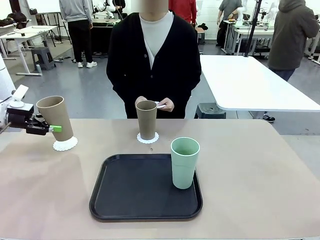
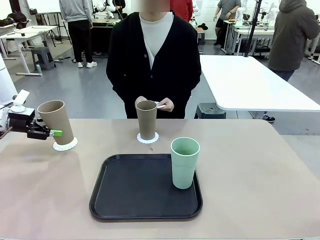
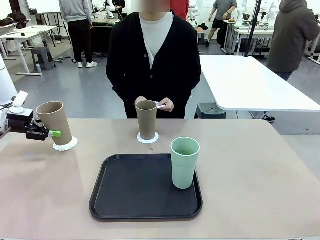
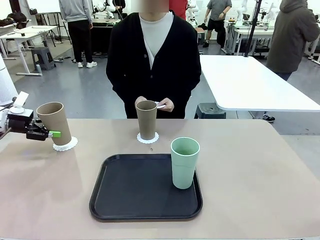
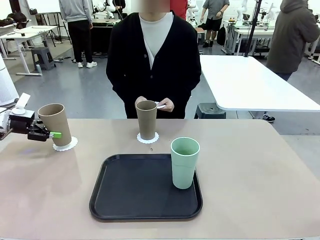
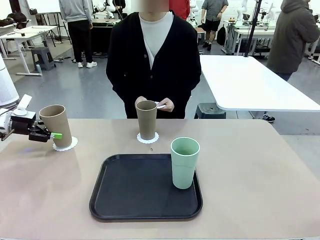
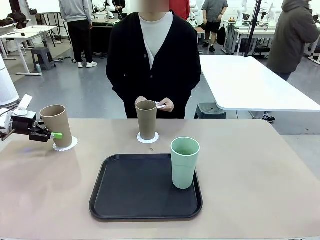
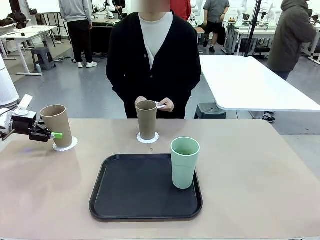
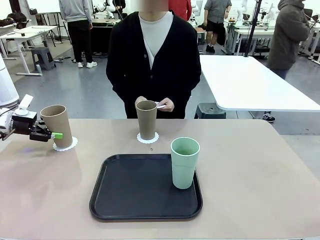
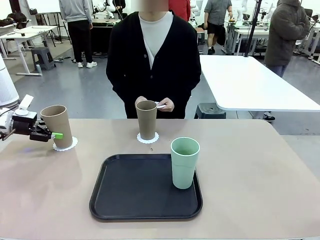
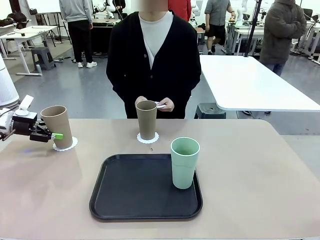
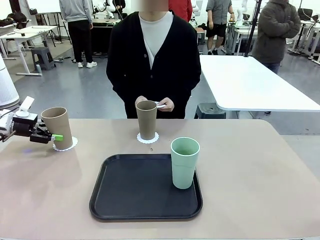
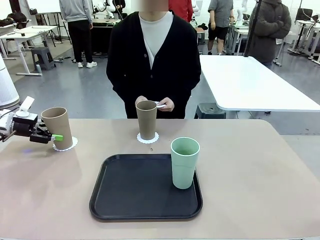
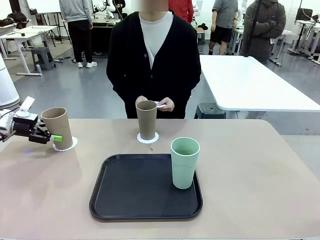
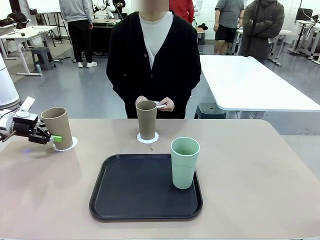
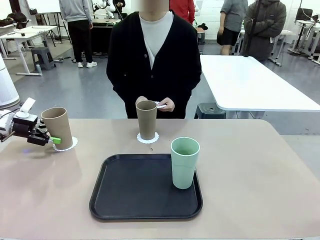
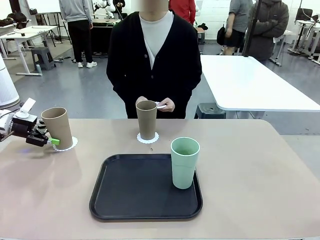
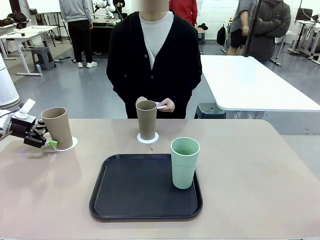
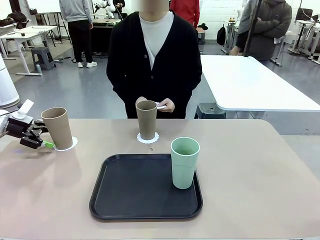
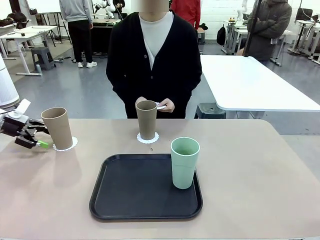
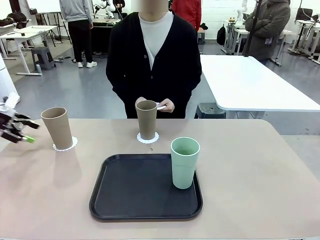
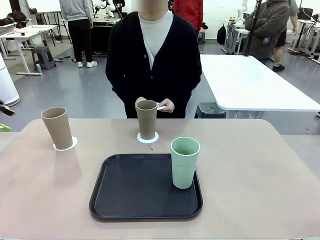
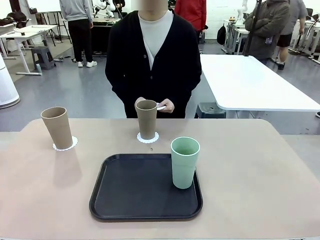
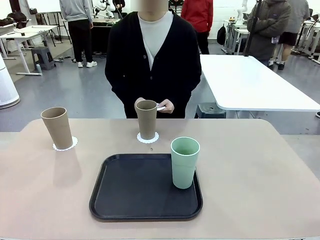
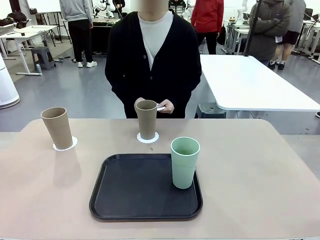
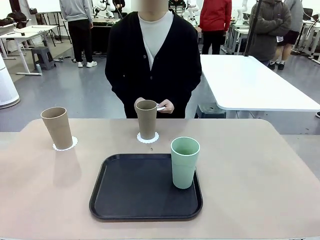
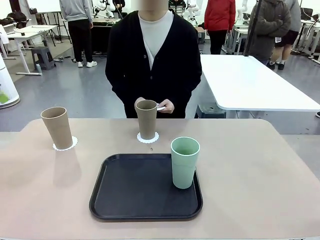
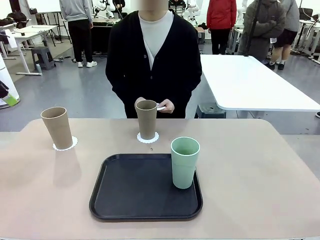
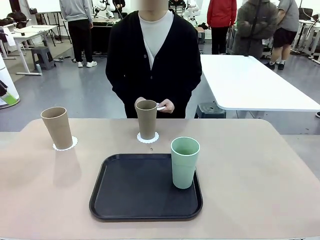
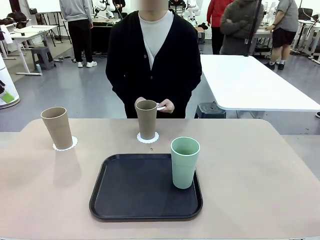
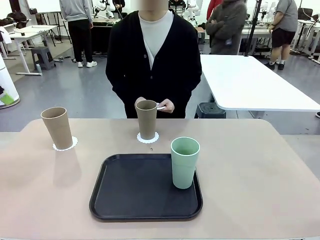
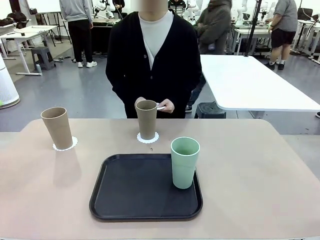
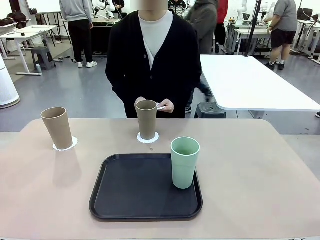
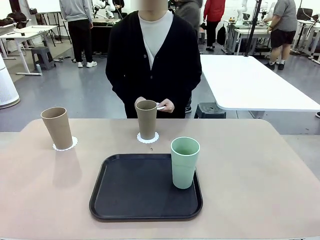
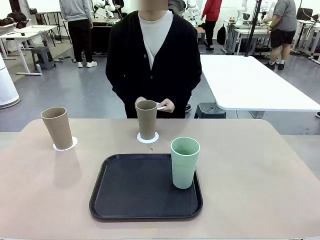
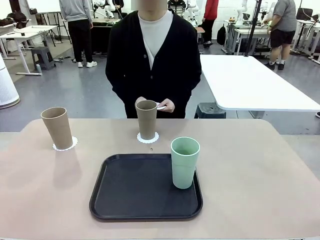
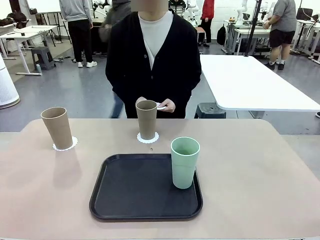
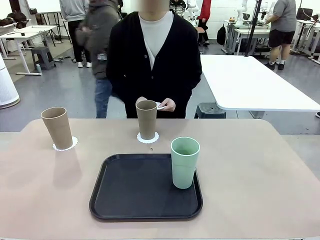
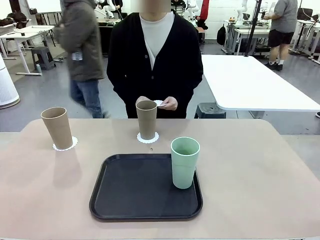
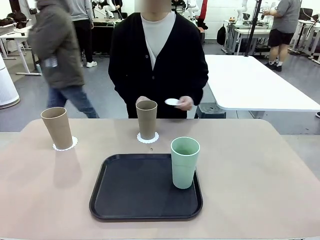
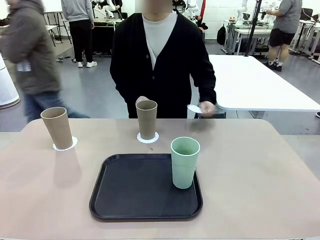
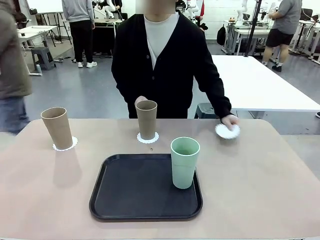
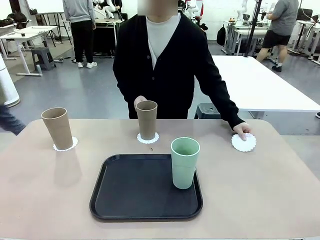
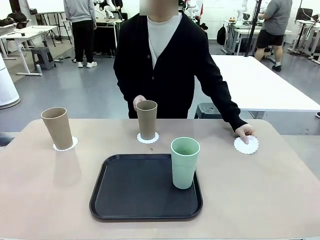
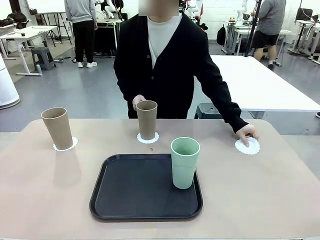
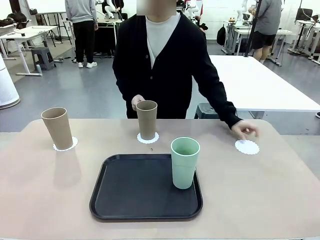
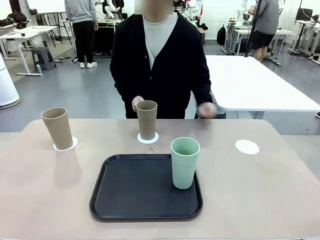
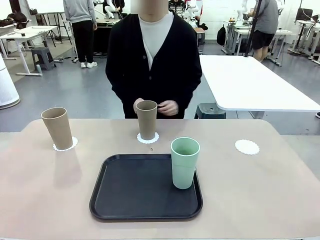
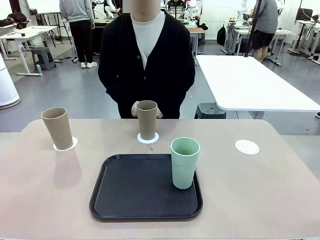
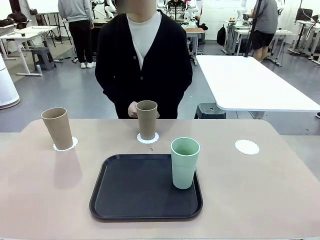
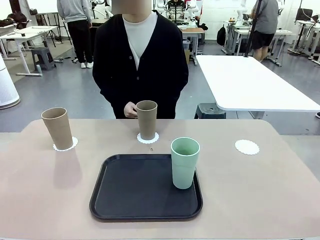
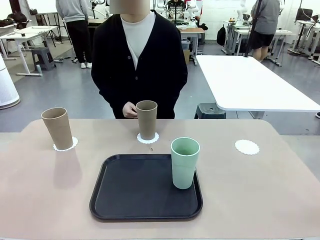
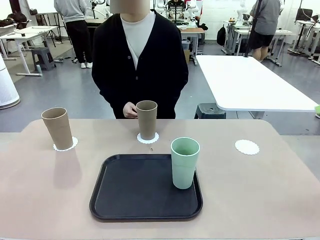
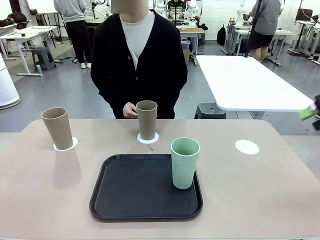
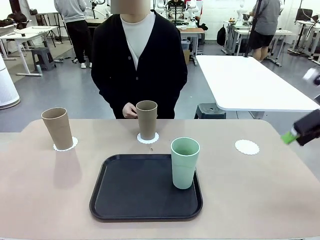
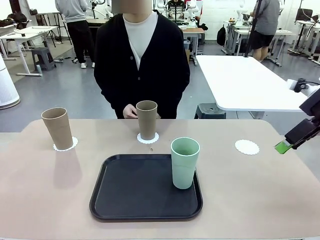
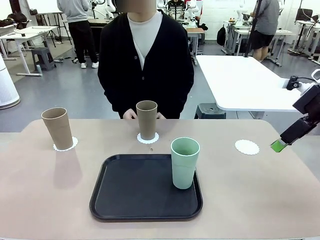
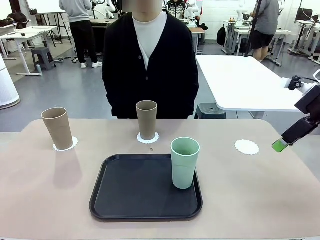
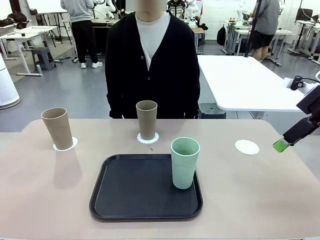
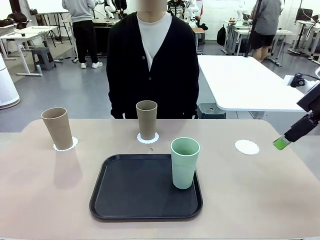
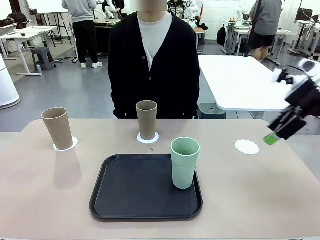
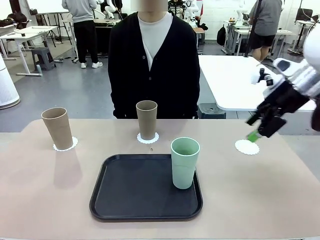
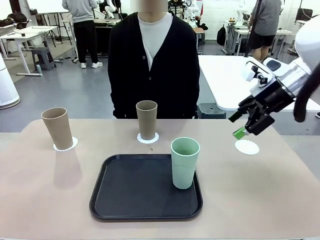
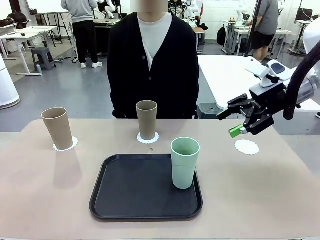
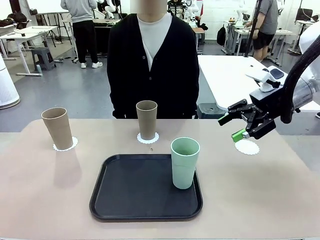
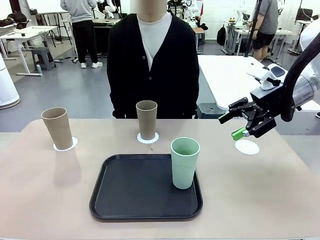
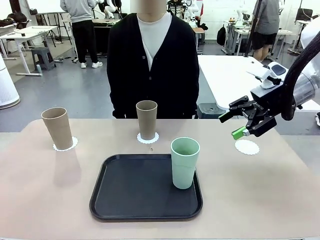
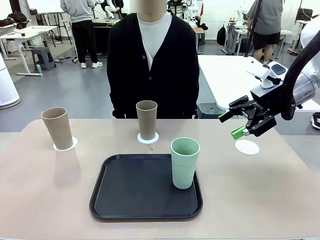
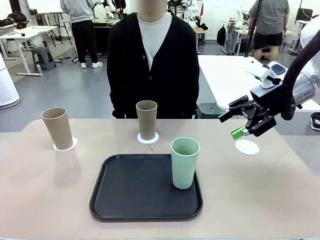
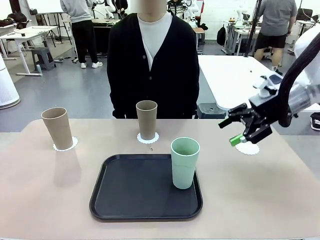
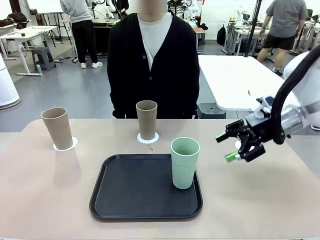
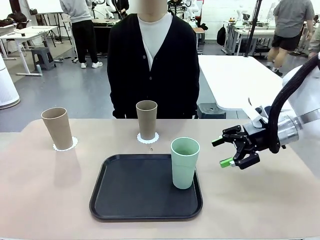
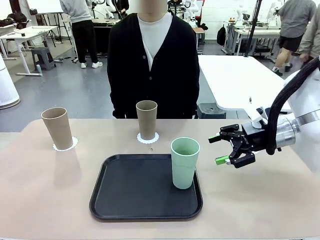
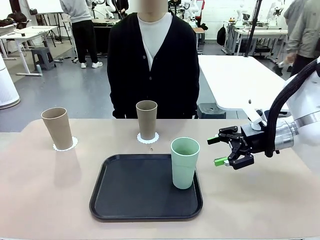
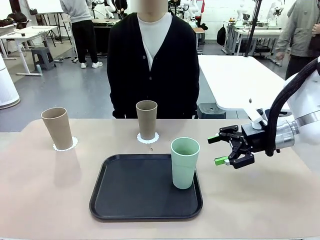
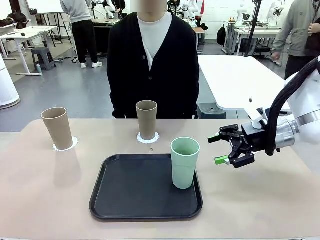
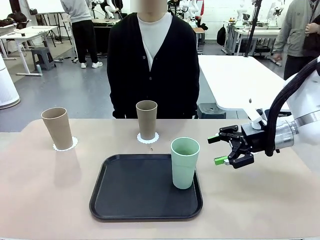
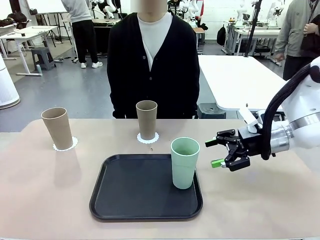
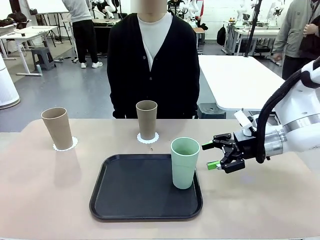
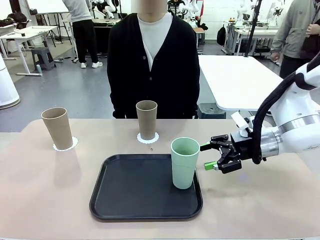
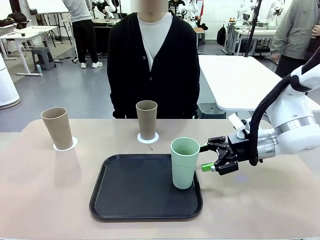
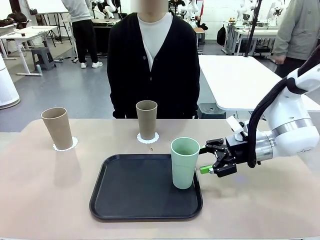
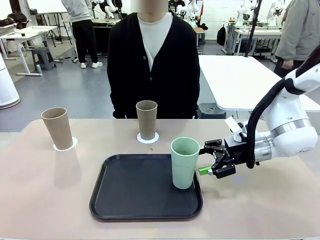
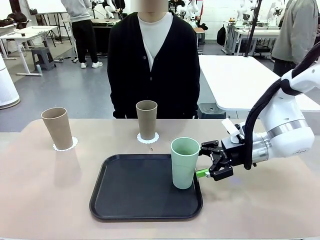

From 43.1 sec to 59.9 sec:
Task: Place coasters on the table and set cups on them.
Robot: Take one Reusable plastic cup from the Flat Tray and place it on a coaster set by the human.
